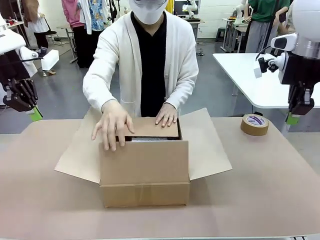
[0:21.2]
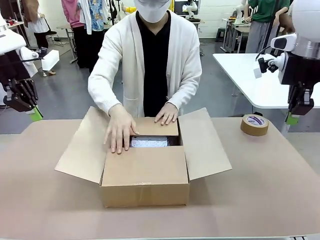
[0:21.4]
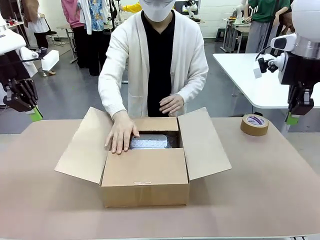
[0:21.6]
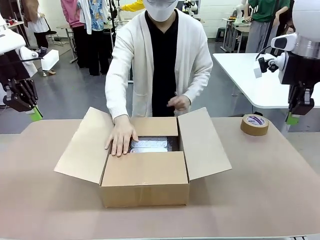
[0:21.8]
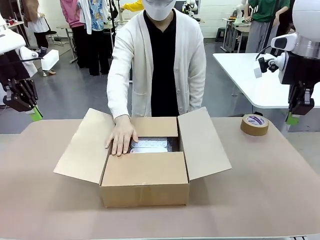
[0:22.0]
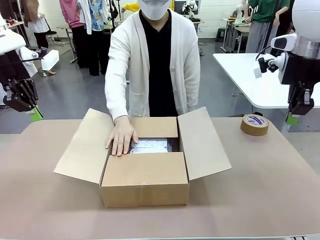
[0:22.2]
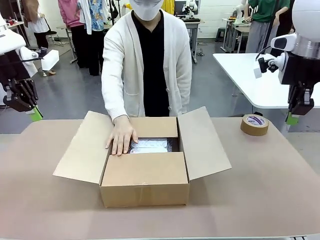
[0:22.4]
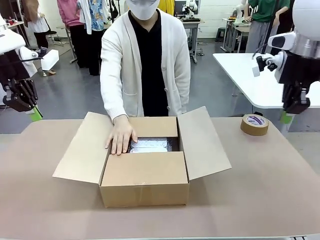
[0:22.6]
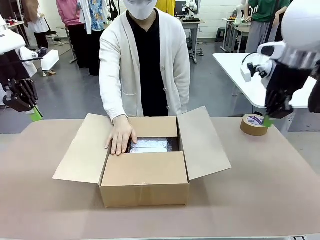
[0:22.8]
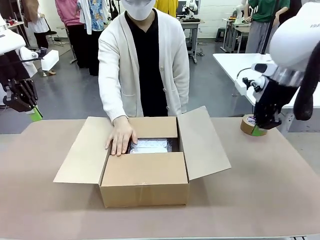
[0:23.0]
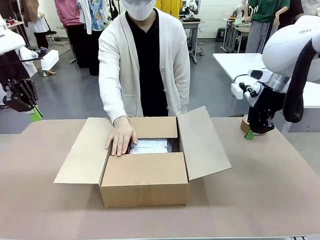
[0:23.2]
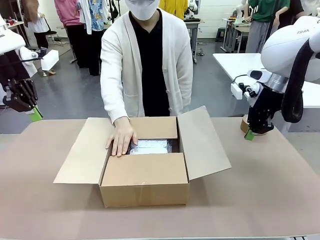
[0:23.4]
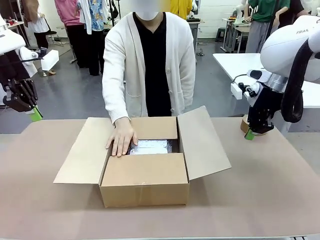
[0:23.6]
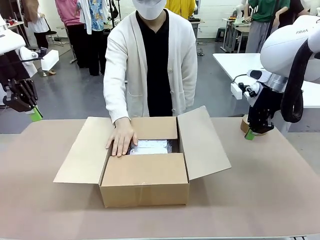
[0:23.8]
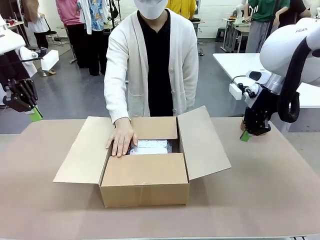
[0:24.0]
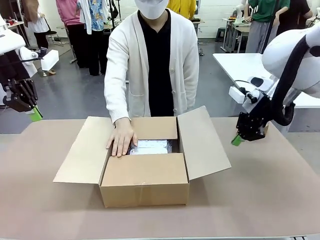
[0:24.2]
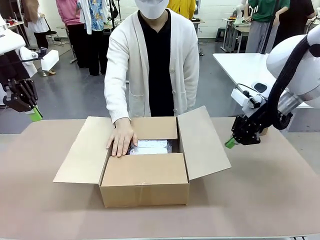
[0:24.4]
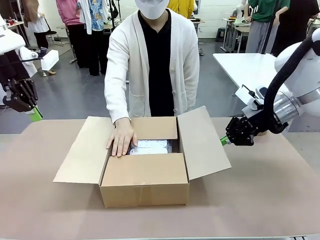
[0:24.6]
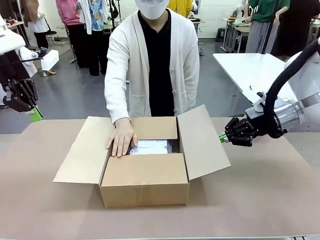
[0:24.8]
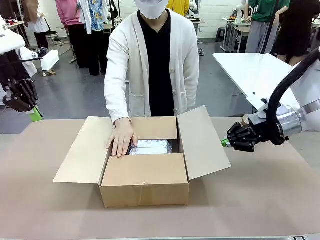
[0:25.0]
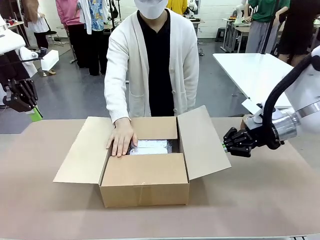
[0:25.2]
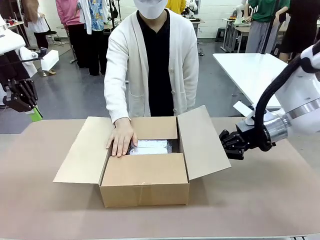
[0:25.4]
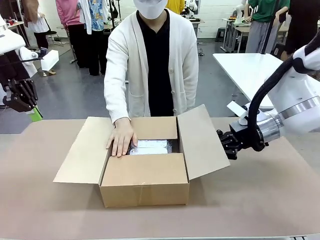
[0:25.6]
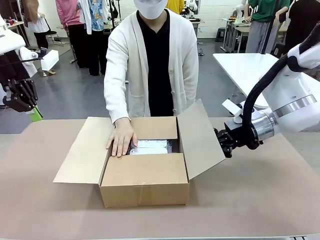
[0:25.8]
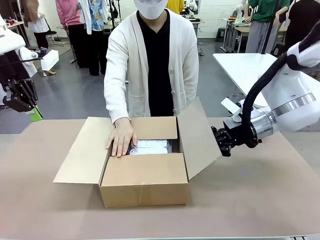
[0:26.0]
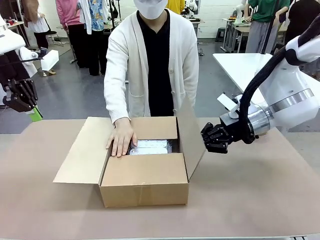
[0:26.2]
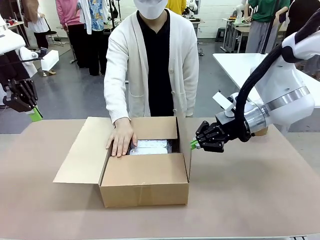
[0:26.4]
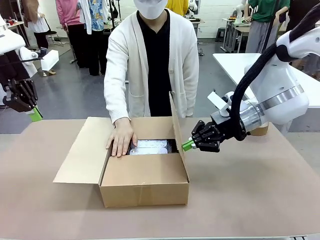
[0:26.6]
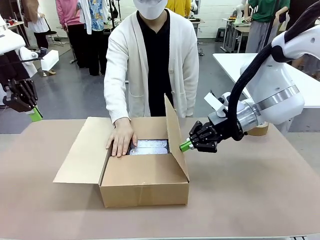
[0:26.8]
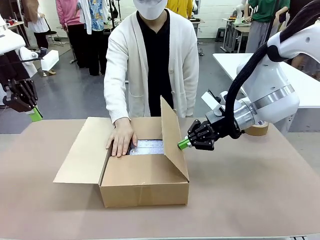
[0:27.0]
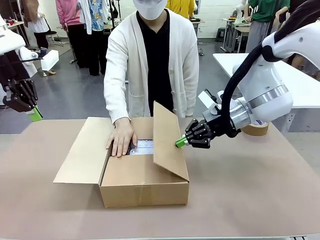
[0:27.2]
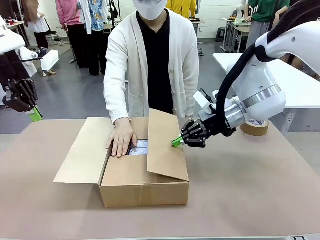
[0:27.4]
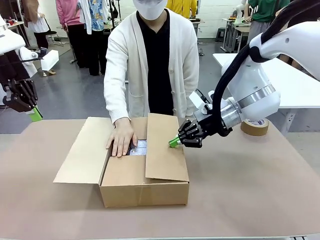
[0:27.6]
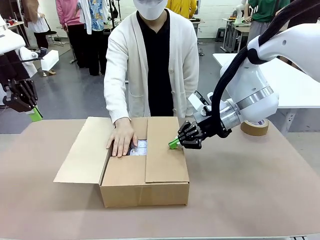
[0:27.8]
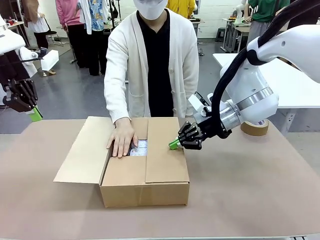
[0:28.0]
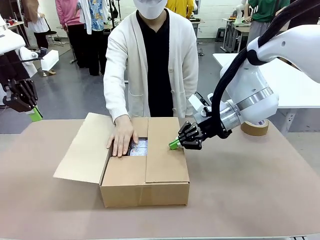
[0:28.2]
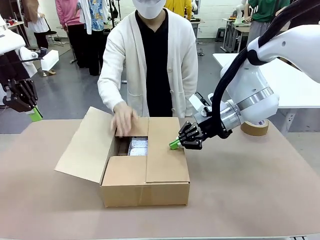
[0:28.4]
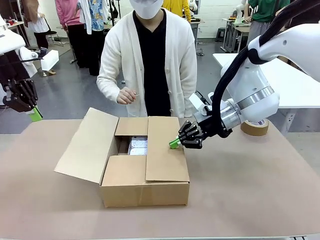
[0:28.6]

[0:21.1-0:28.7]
Task: Wrap the clocks to prevent damage.
Robot: Push the right (or left) flap of the Package Box to close it.
Person: Once the robot closes the right flap of the Package Box , release your left hand from the box.

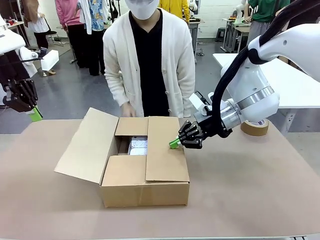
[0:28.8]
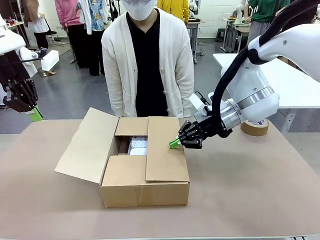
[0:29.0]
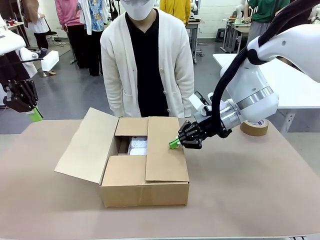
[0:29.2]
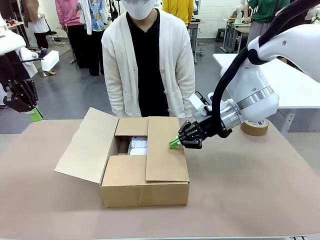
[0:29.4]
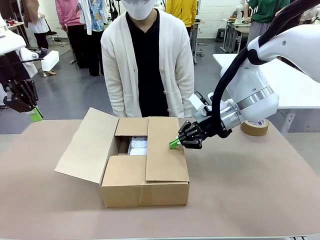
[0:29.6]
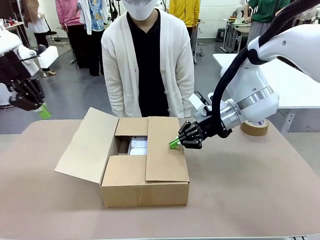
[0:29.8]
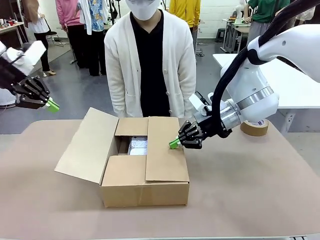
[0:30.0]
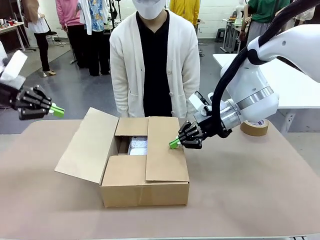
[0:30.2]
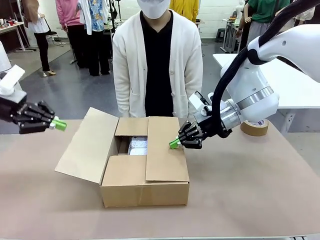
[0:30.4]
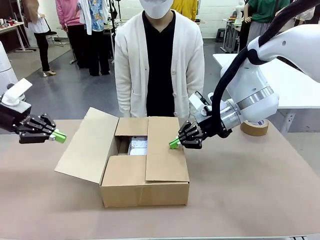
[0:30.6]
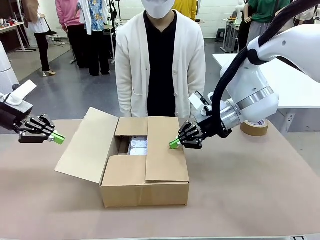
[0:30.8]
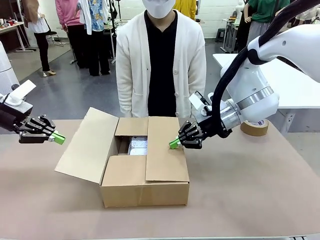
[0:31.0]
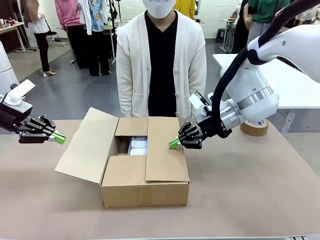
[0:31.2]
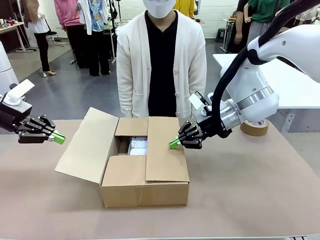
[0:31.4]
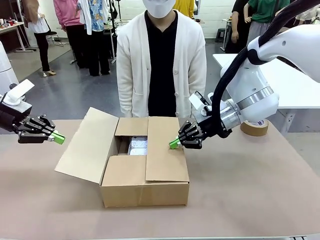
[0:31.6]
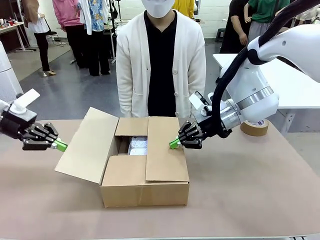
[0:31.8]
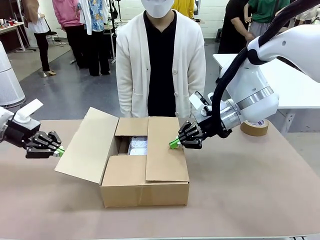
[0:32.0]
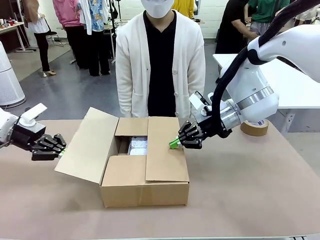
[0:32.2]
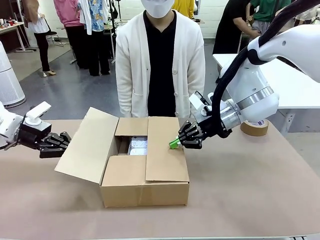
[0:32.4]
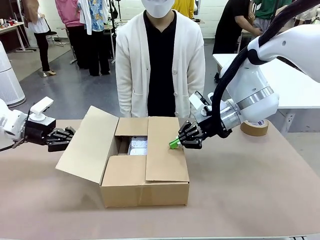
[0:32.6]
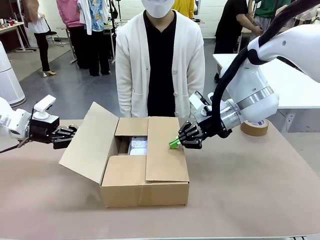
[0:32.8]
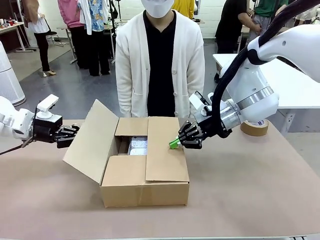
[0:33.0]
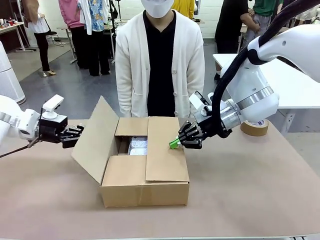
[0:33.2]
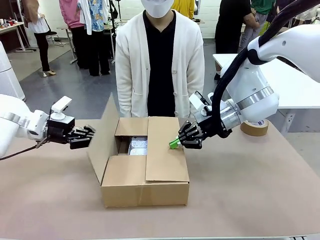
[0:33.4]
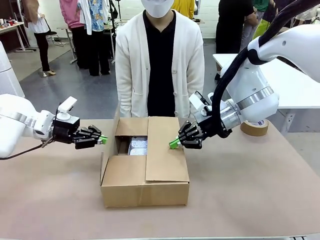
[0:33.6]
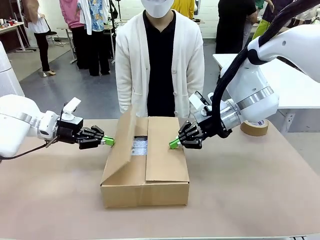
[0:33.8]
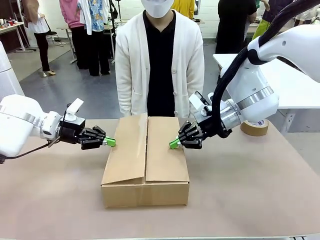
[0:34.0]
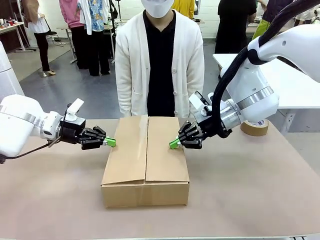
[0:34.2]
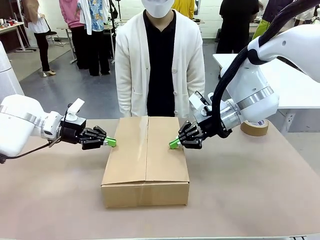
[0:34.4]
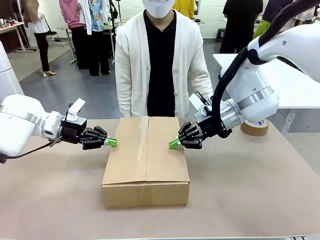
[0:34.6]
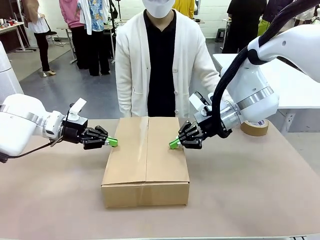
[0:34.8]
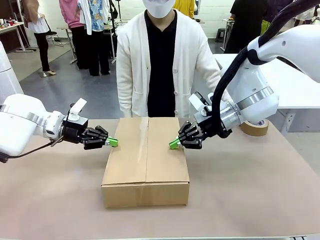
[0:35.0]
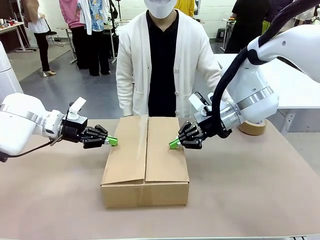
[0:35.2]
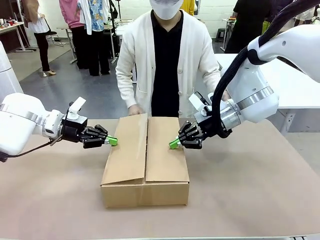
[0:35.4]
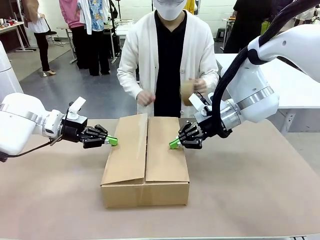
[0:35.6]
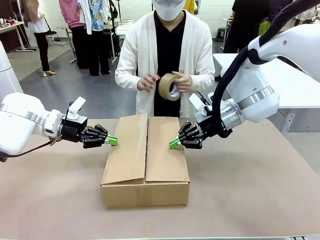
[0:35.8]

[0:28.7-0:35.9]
Robot: Push the left (or right) flap of the Package Box to close it.

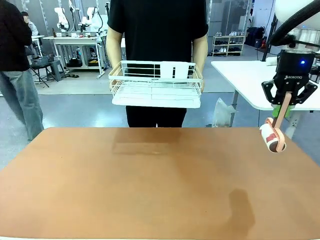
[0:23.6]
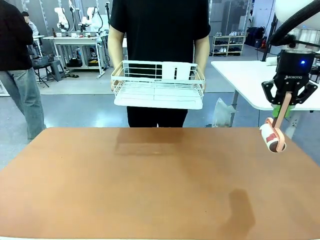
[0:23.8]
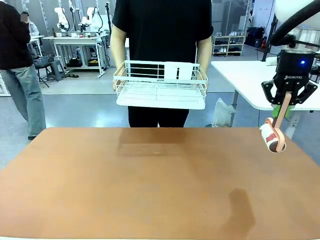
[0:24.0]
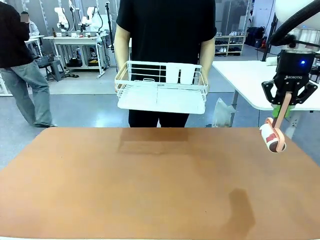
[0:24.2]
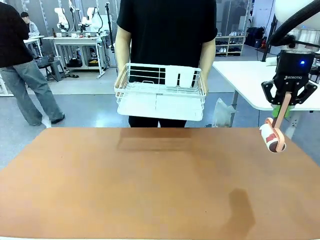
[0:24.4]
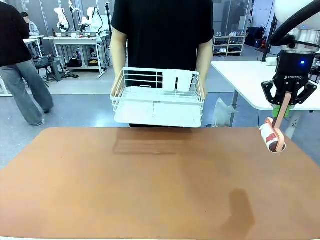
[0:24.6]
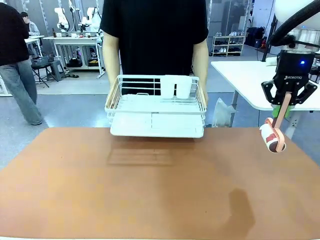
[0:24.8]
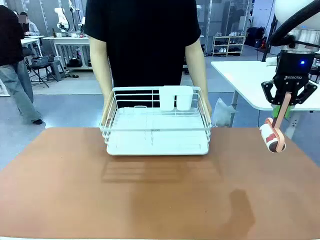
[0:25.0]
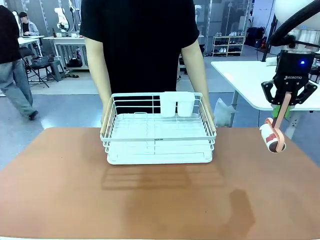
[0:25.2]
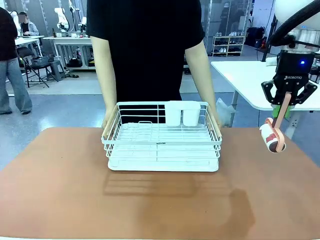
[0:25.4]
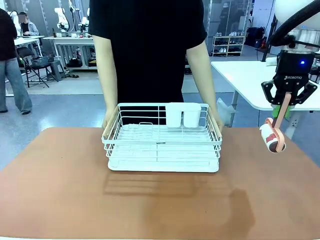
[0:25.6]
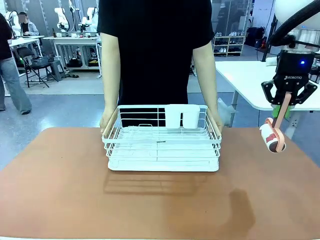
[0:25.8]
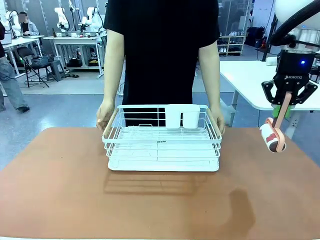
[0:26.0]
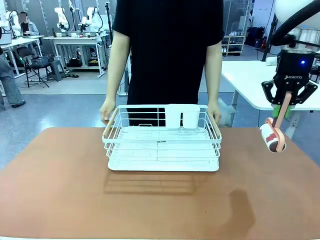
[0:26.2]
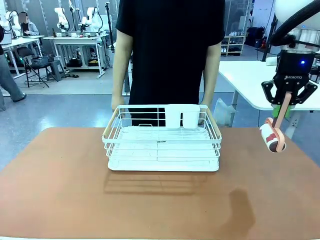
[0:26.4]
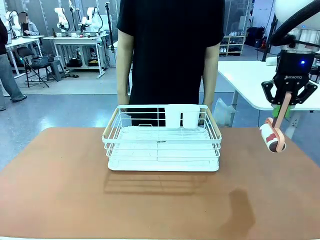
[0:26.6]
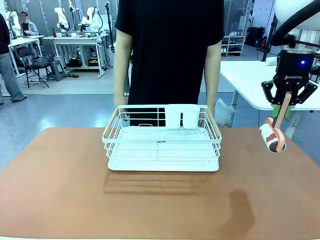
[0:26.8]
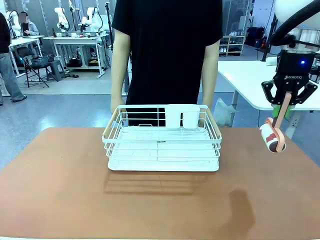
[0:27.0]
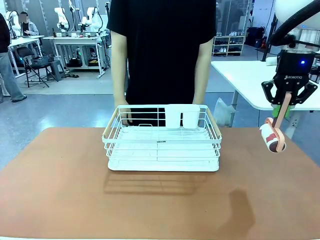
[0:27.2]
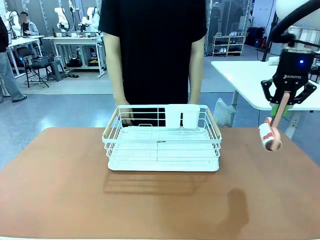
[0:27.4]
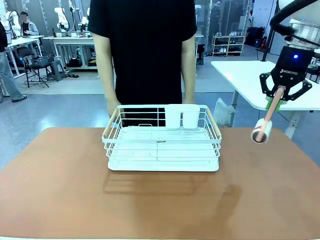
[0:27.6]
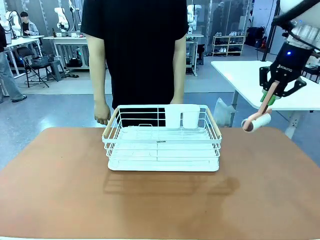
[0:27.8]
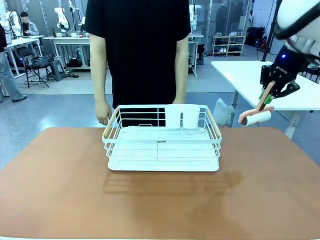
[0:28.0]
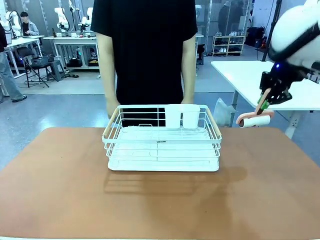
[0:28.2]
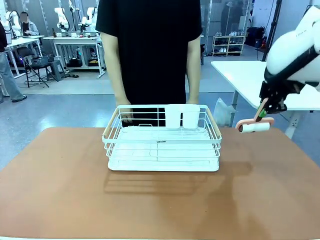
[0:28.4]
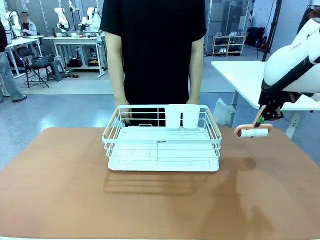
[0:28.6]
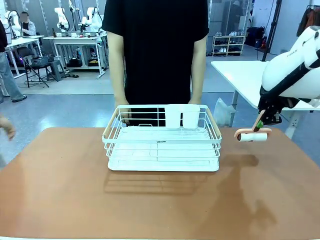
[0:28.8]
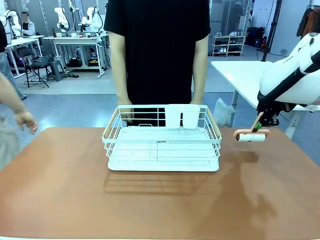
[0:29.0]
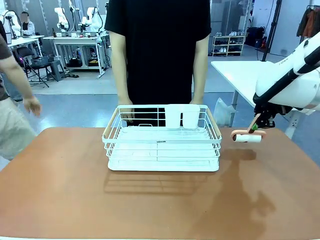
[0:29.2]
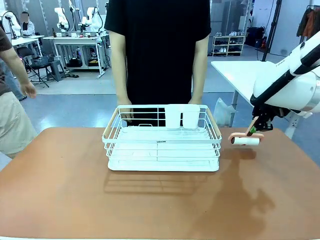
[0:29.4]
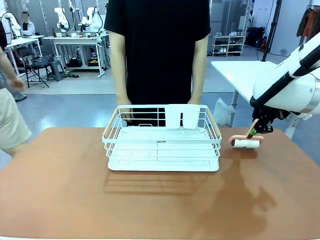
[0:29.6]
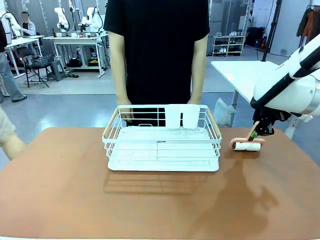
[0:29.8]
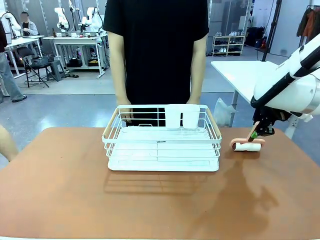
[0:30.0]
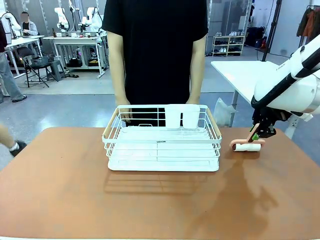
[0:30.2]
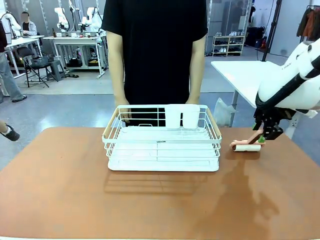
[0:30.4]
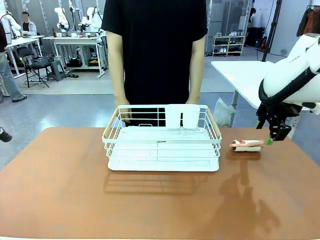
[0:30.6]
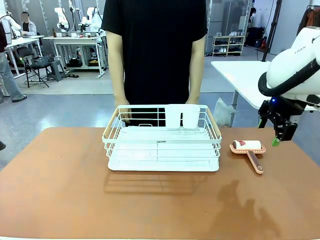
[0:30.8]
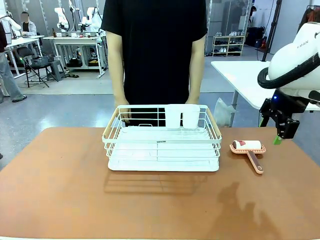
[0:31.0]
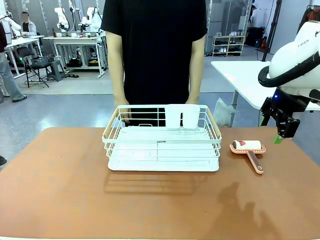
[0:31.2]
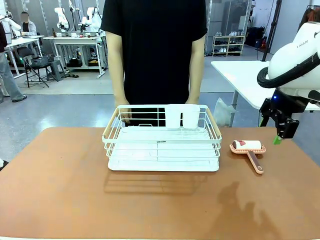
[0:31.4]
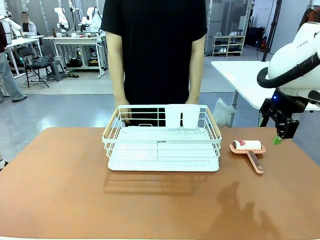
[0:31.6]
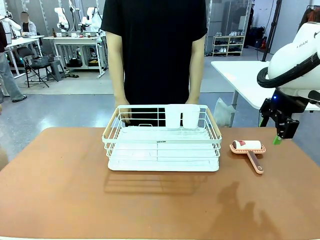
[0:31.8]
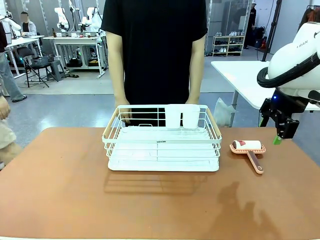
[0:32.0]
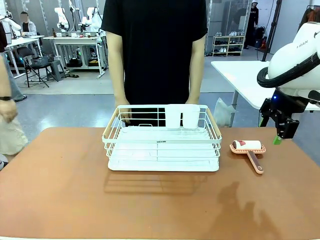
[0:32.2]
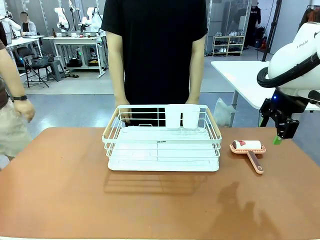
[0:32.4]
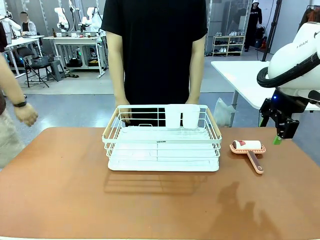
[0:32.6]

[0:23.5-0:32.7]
Task: Clean the table.
Robot: Place the Lint Roller down when the Dish drying rack is positioned in the middle of the table.
Person: Place the Dish drying rack down when the robot finishes cleaning.
